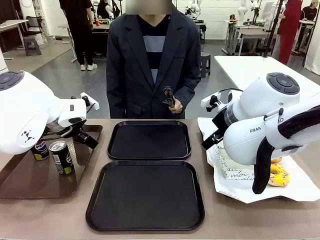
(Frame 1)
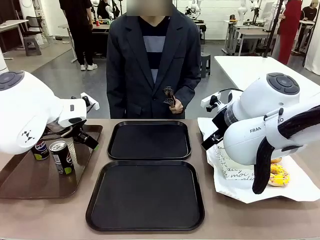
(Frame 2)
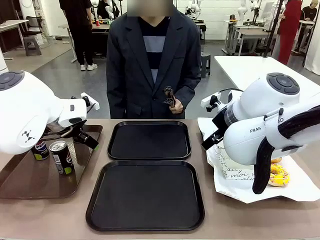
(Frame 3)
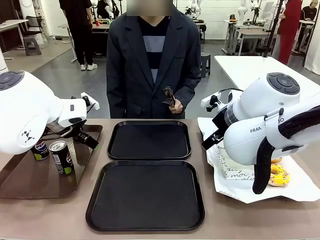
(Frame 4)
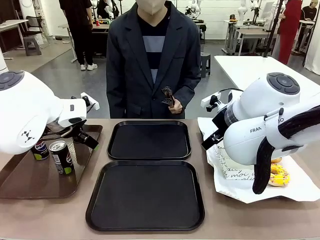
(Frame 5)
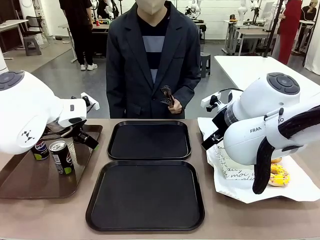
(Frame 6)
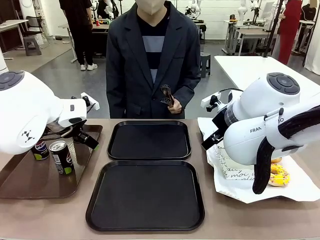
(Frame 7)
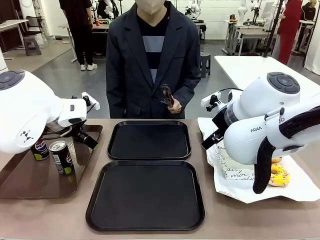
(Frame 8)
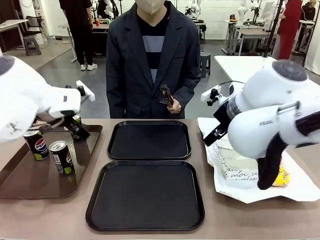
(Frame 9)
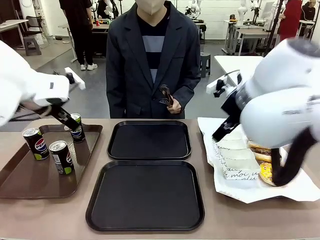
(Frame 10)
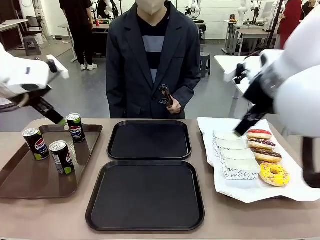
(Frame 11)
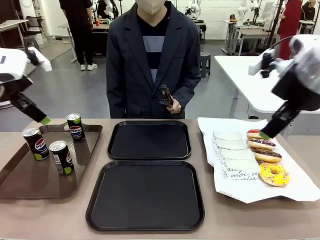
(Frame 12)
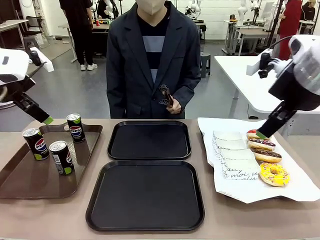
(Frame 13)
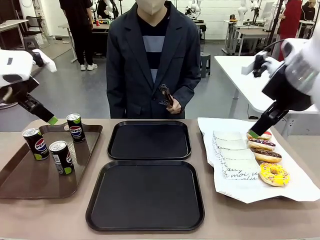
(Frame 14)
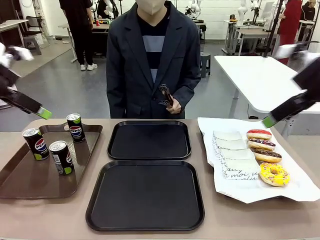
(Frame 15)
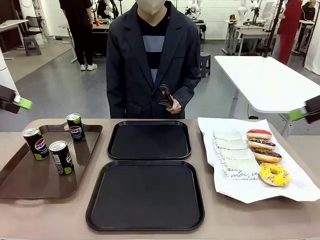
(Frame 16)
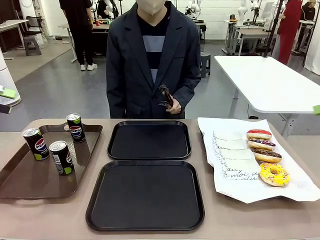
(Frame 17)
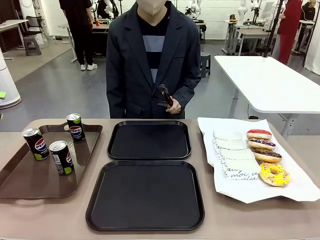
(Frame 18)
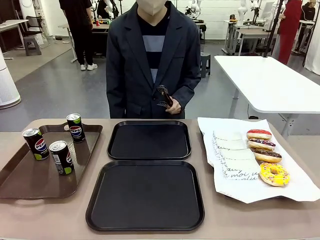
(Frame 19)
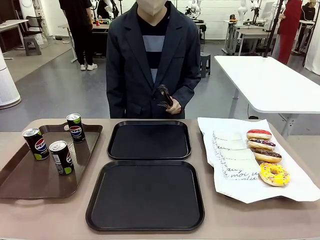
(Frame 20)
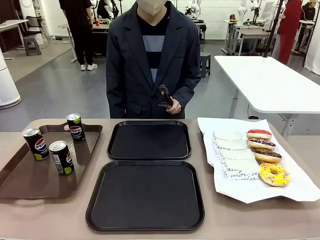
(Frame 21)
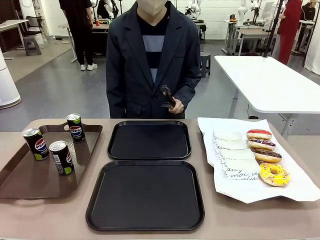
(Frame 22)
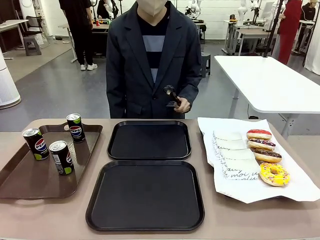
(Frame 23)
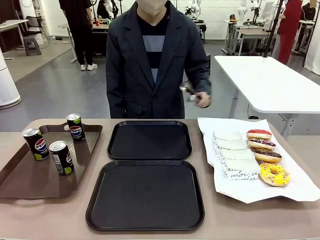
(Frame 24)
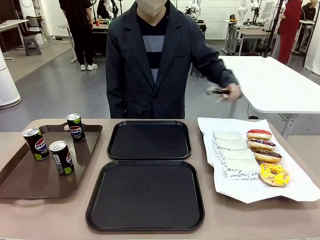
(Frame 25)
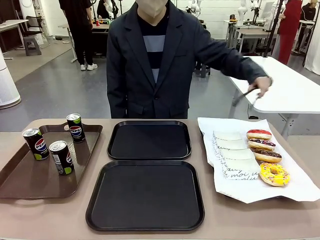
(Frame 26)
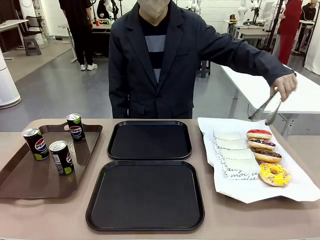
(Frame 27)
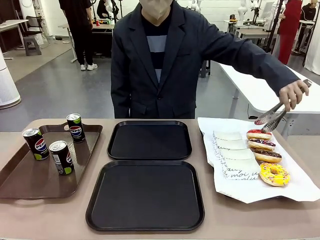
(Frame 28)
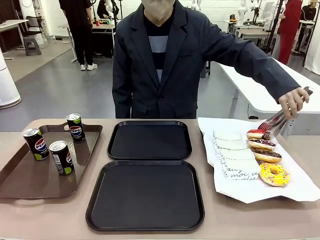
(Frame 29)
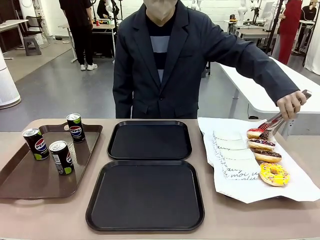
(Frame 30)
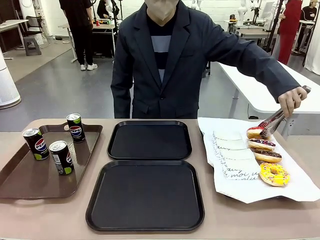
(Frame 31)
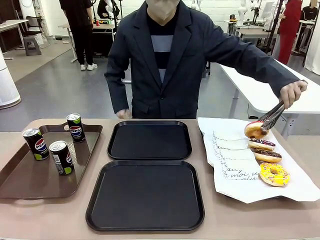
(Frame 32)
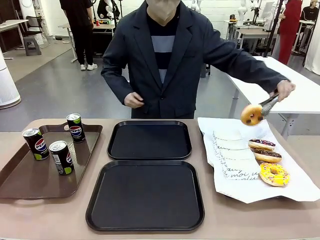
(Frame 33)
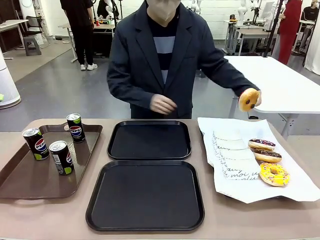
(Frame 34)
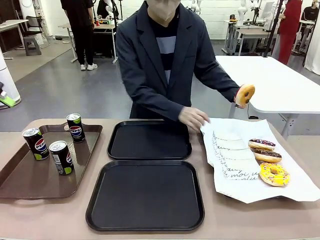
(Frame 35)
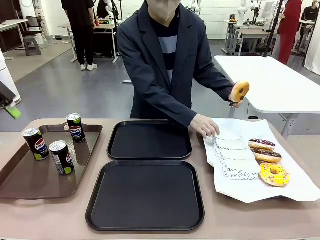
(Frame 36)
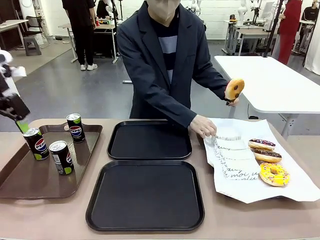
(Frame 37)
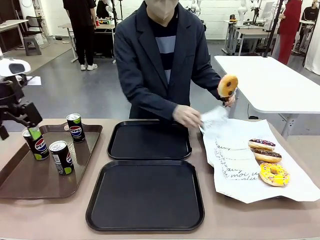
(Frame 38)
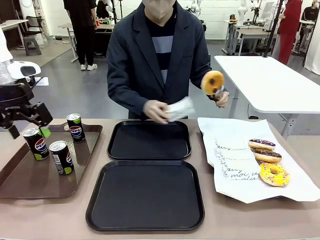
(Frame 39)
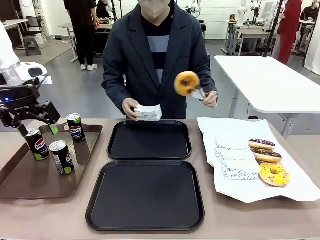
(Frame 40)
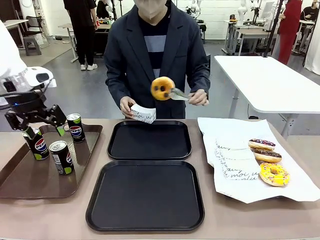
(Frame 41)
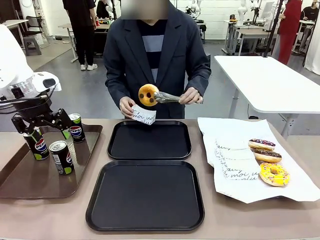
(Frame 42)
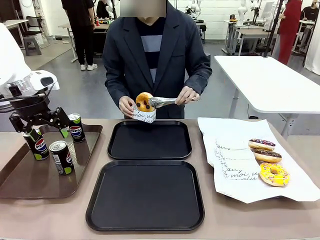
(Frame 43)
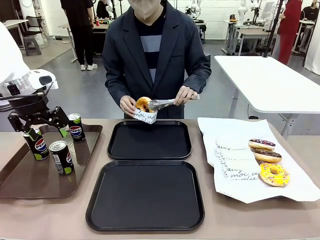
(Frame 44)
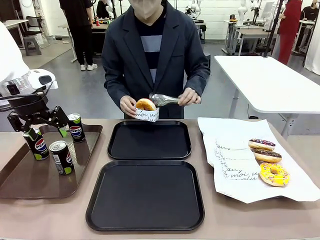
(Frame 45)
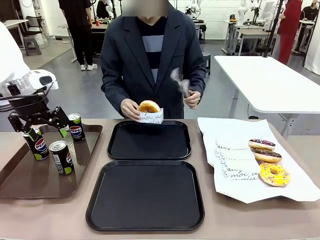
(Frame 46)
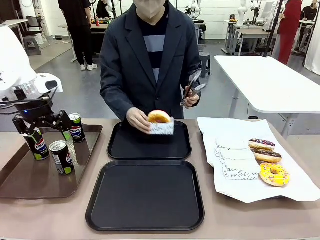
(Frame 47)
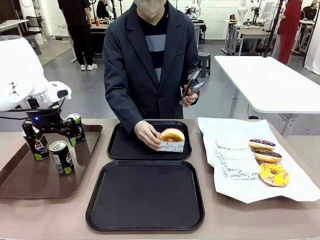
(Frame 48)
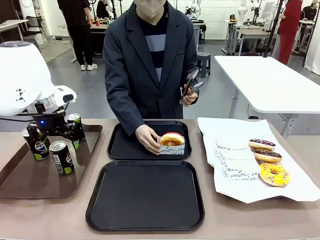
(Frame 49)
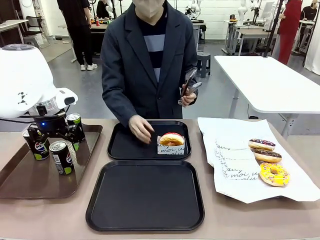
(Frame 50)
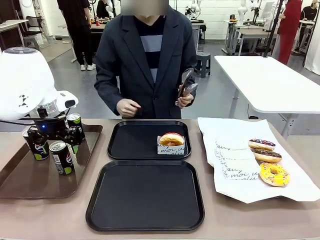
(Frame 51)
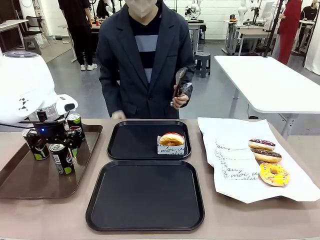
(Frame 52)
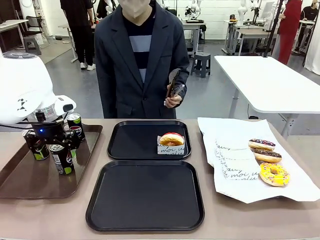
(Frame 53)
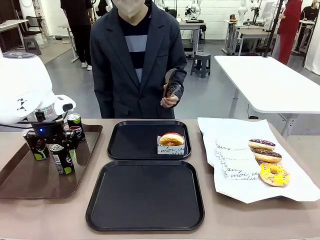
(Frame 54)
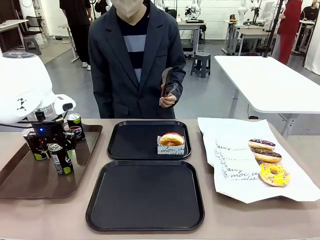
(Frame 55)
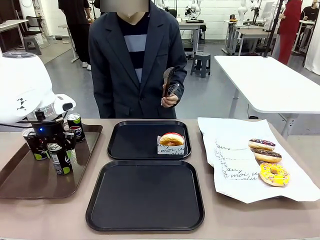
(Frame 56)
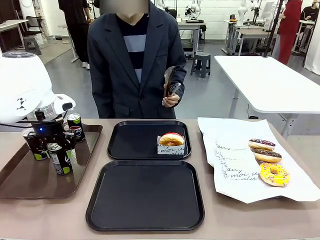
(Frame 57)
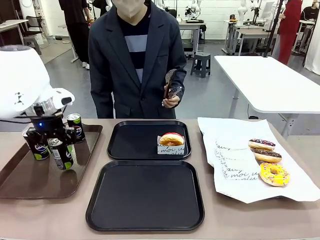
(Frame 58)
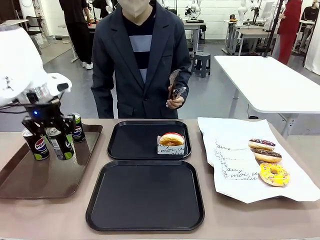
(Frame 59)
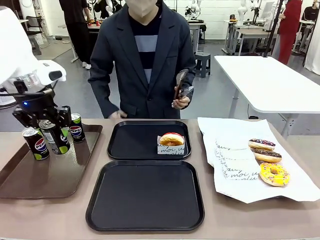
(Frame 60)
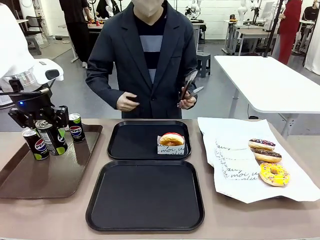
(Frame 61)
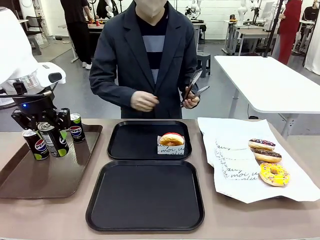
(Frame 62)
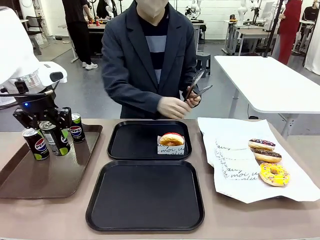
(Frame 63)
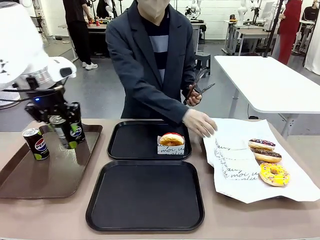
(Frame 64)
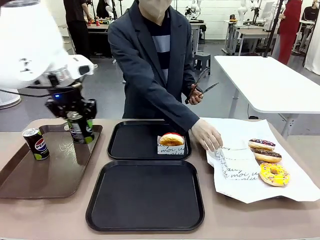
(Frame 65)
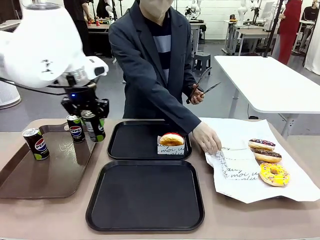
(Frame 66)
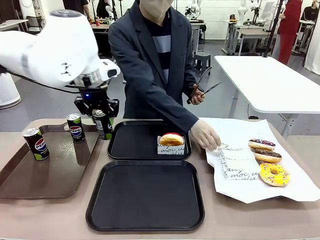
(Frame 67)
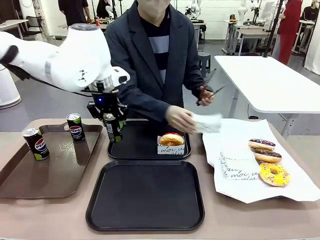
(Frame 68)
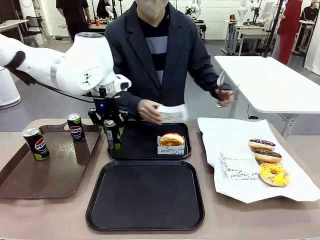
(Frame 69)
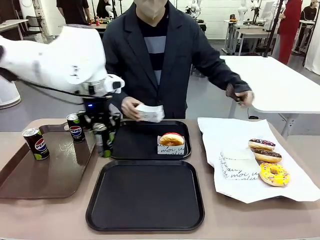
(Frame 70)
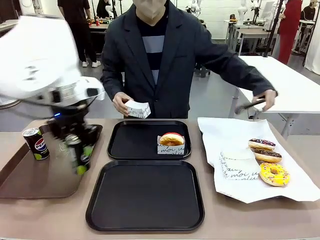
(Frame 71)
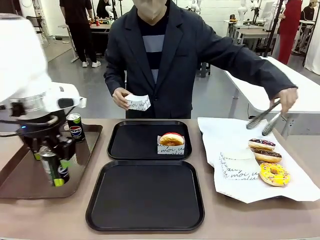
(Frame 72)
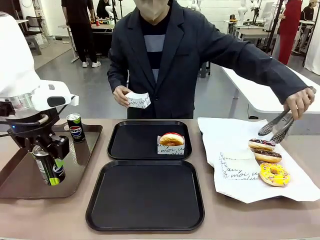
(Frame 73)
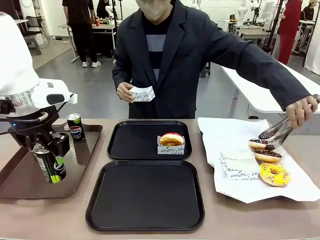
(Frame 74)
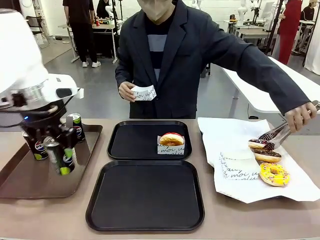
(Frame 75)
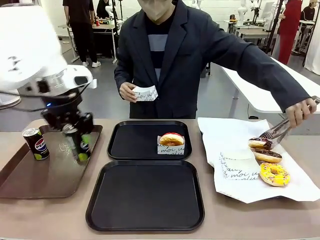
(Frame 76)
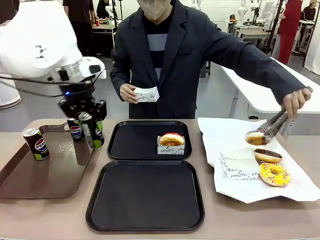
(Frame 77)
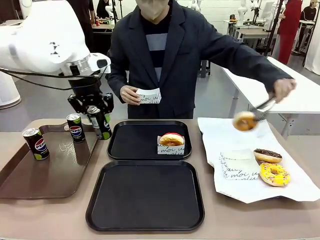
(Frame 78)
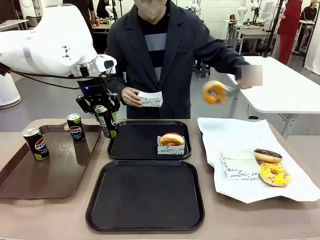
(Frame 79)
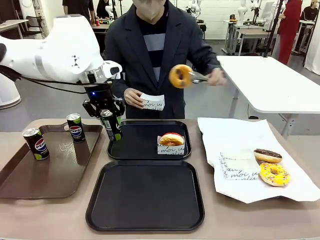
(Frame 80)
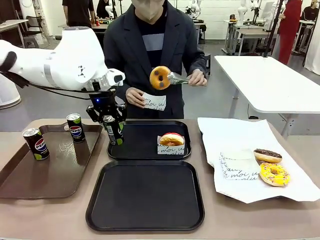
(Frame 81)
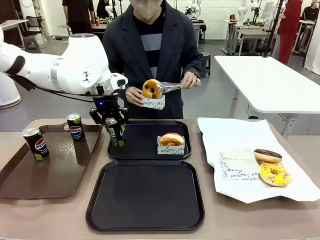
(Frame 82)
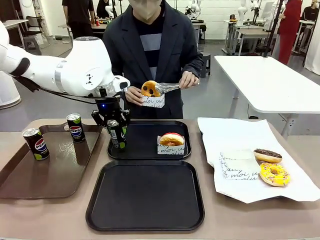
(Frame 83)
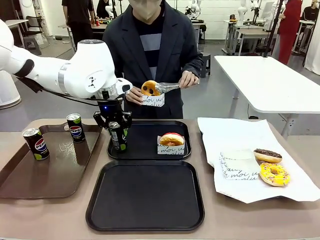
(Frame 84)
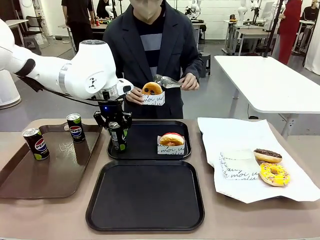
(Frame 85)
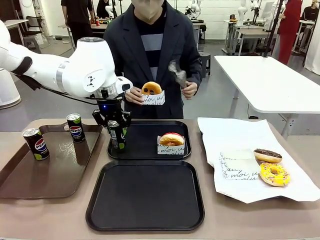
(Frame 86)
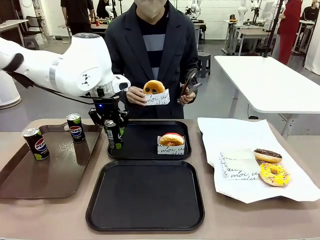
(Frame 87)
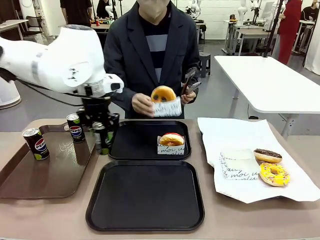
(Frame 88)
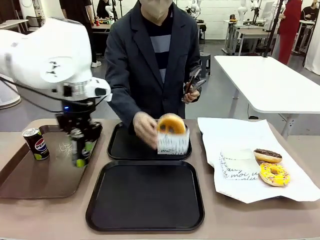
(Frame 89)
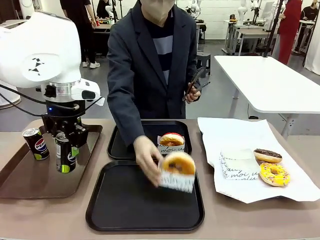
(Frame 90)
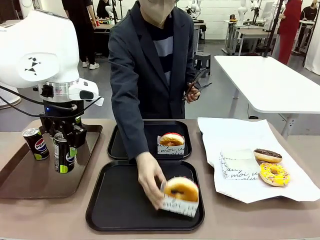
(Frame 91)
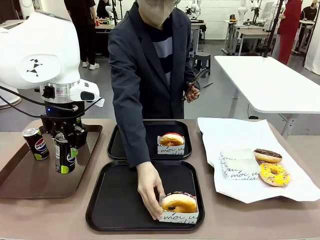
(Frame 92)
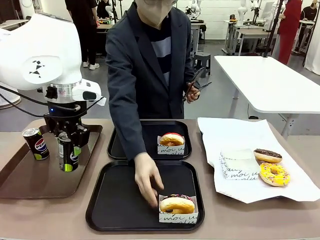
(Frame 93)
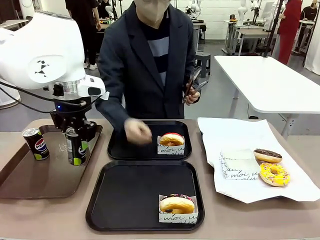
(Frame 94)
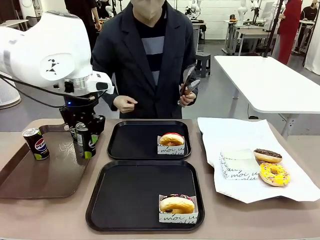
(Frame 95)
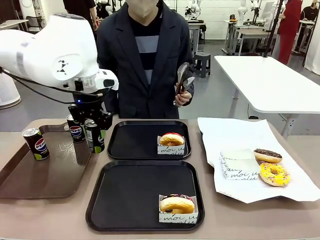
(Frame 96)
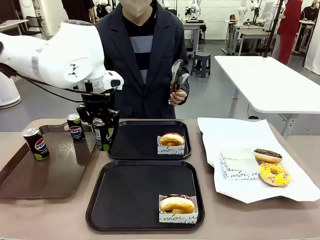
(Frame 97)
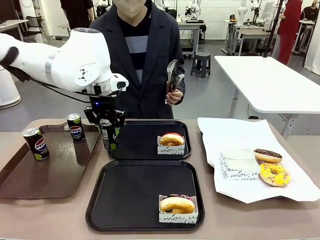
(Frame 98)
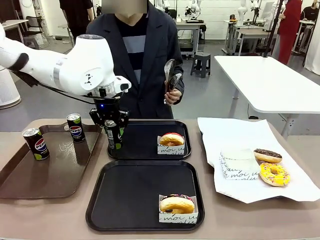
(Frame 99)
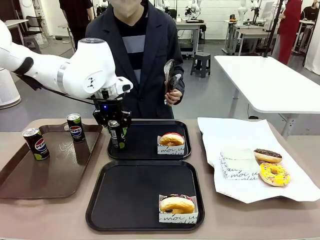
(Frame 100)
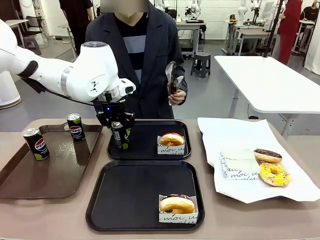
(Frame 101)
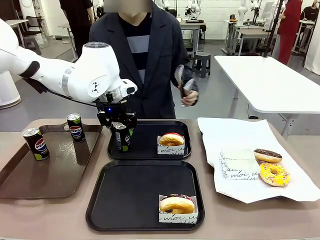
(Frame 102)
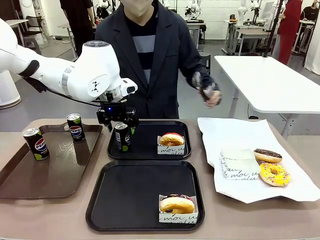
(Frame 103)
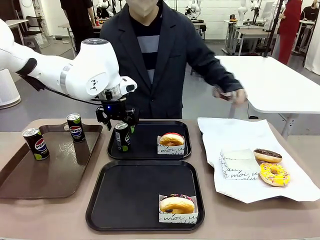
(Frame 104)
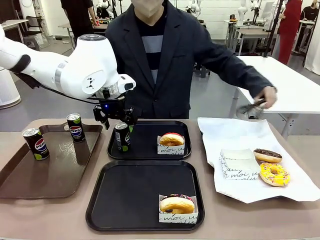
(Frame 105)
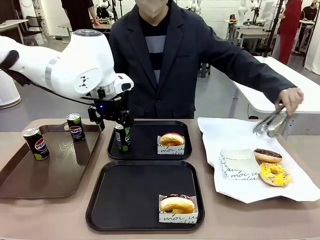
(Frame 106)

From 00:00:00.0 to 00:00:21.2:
Task: Set up donuts and drinks on trays.
Robot: Pick up one Pepsi coke and place it on the Flat Tray.
Person: Pick up one donut with tongs, place it in the donut tray, and then place the donut tray on the flat tray.
